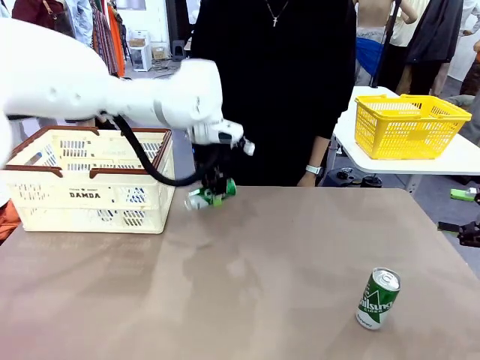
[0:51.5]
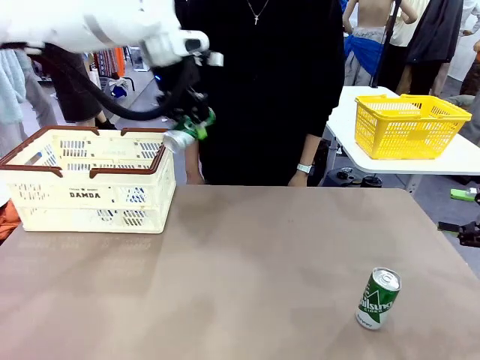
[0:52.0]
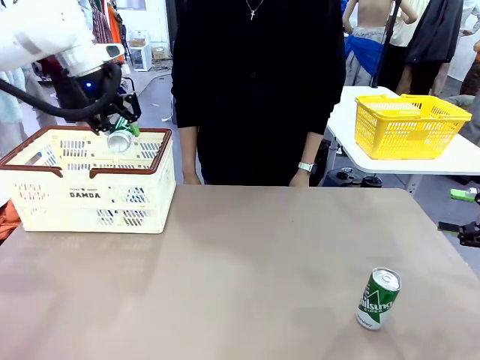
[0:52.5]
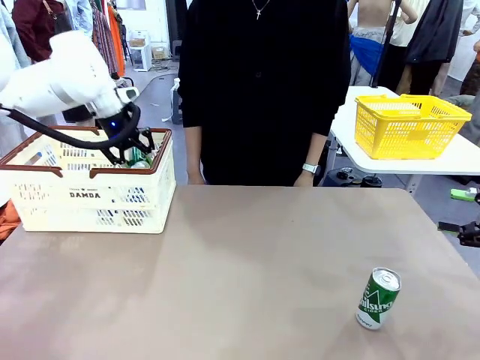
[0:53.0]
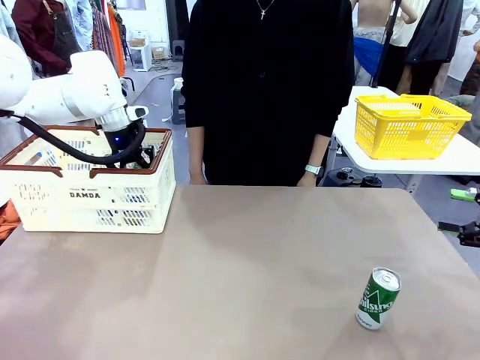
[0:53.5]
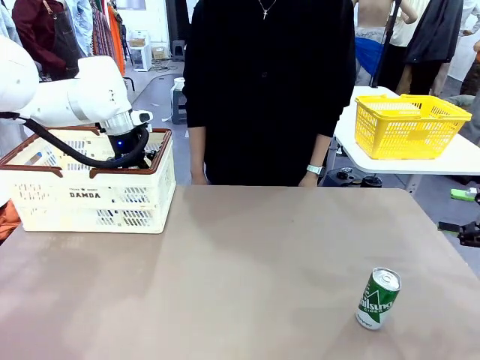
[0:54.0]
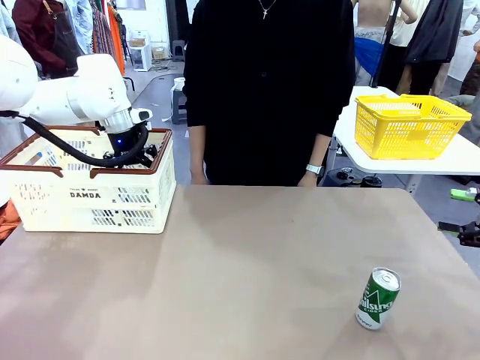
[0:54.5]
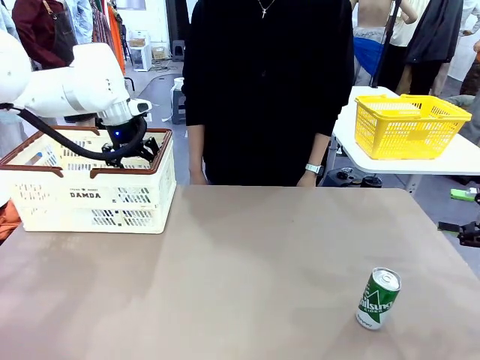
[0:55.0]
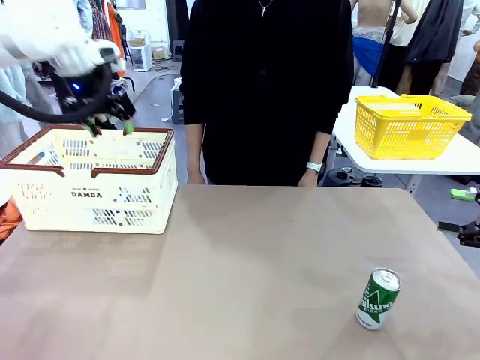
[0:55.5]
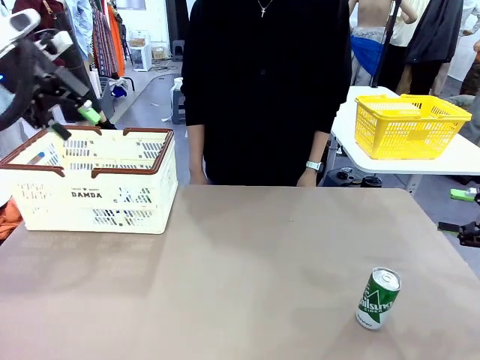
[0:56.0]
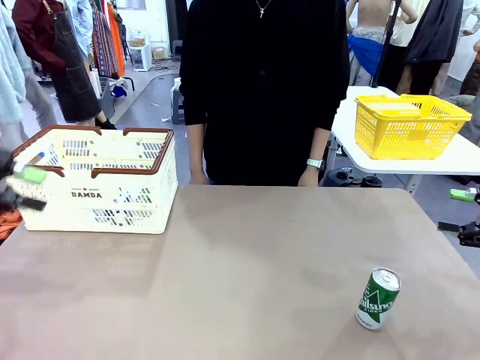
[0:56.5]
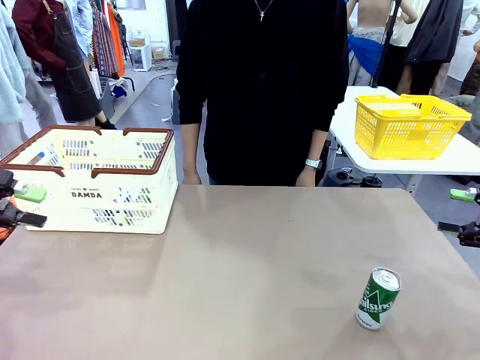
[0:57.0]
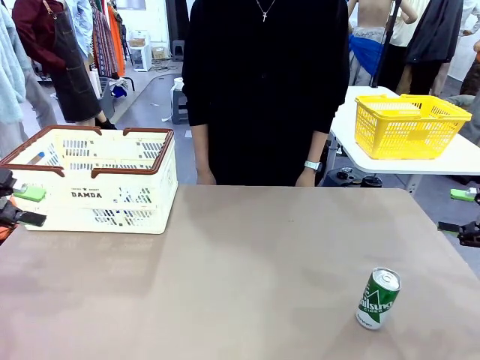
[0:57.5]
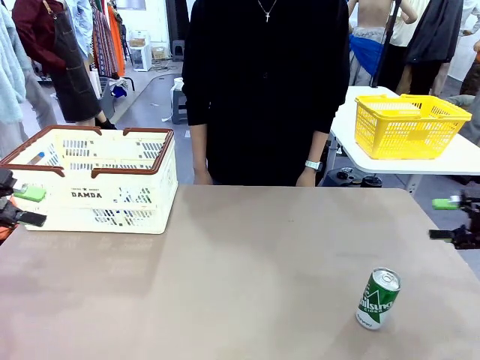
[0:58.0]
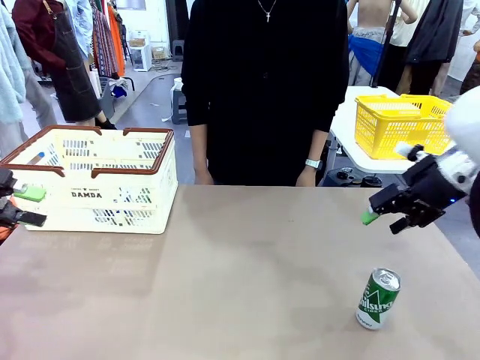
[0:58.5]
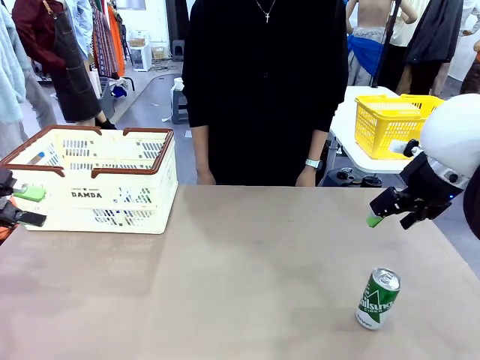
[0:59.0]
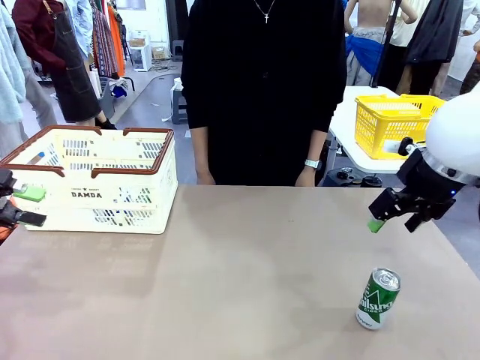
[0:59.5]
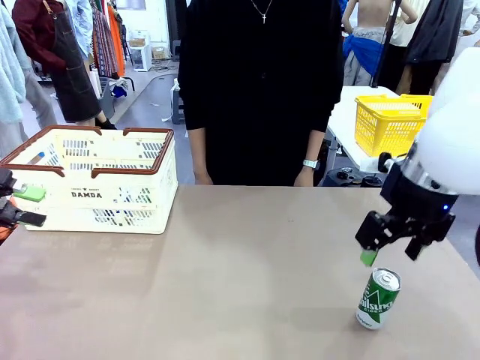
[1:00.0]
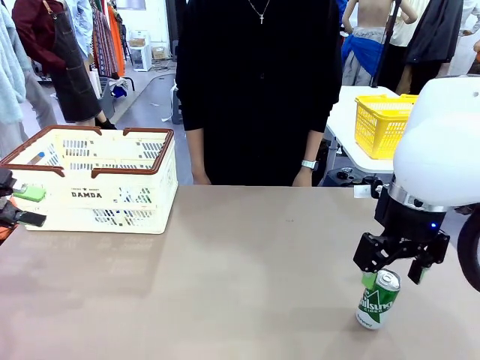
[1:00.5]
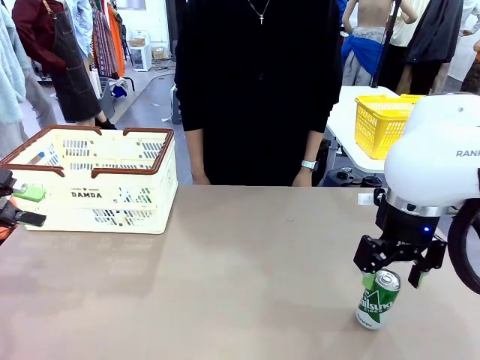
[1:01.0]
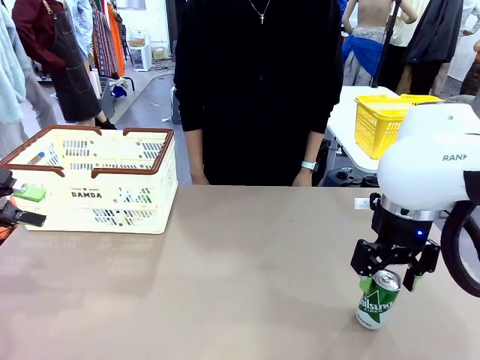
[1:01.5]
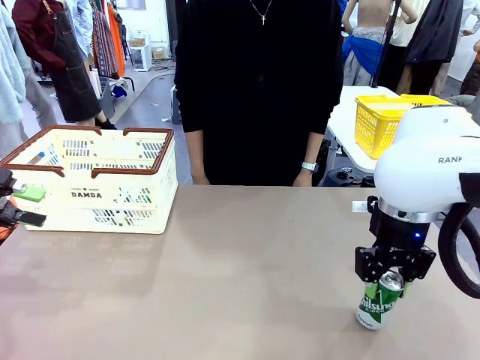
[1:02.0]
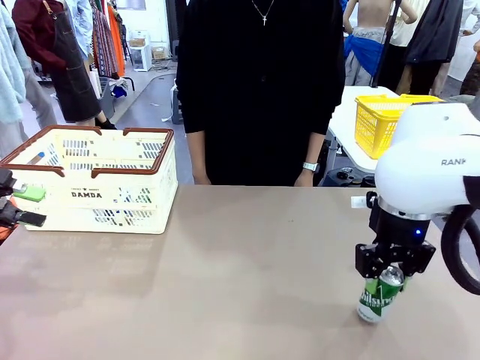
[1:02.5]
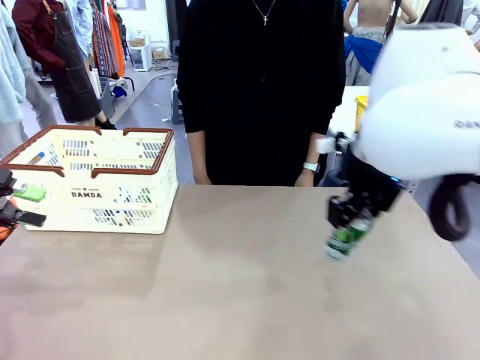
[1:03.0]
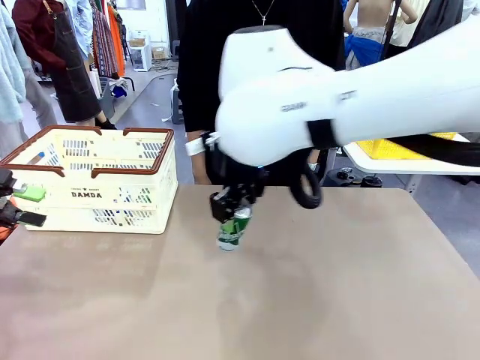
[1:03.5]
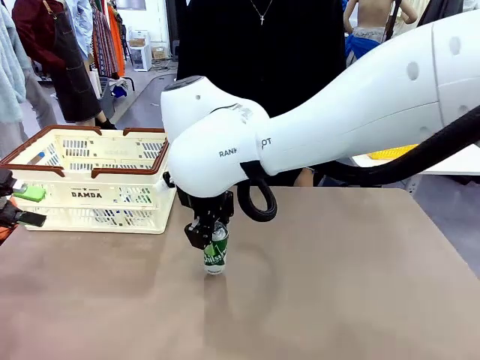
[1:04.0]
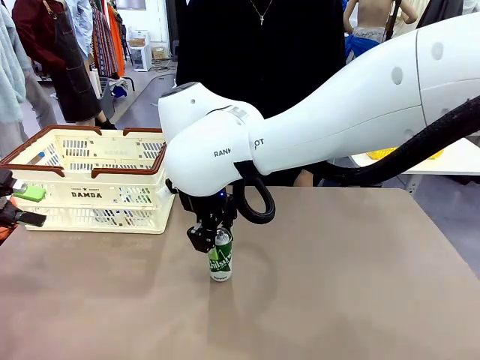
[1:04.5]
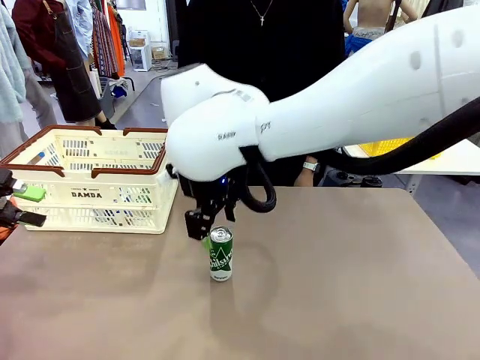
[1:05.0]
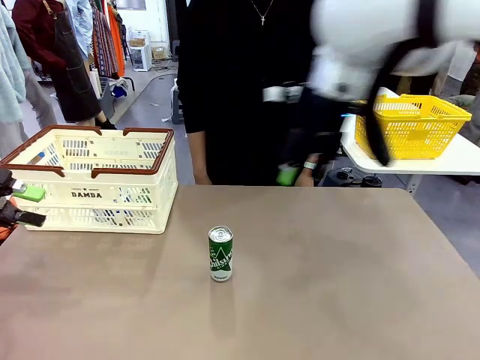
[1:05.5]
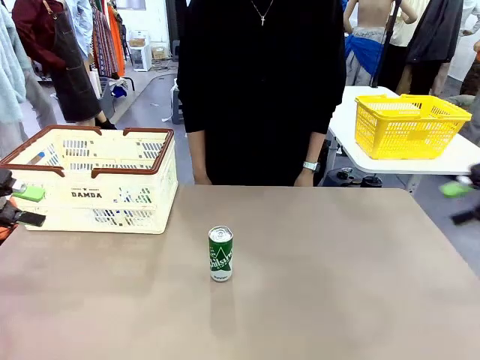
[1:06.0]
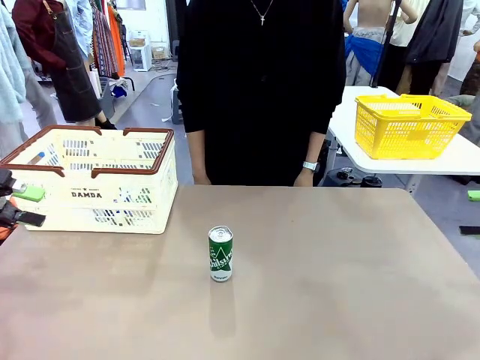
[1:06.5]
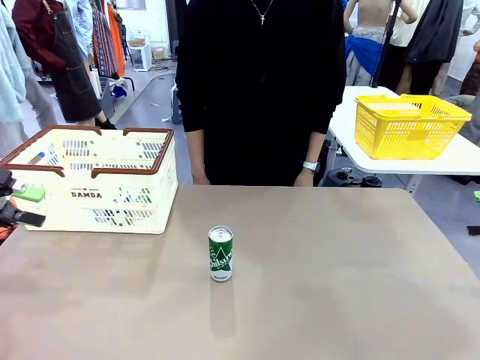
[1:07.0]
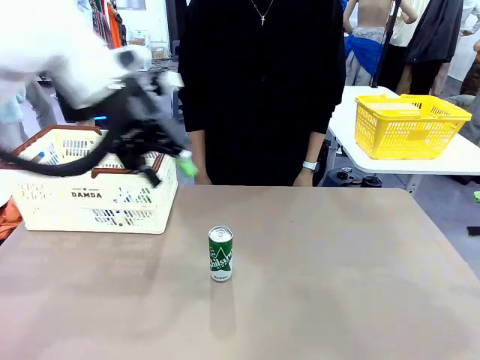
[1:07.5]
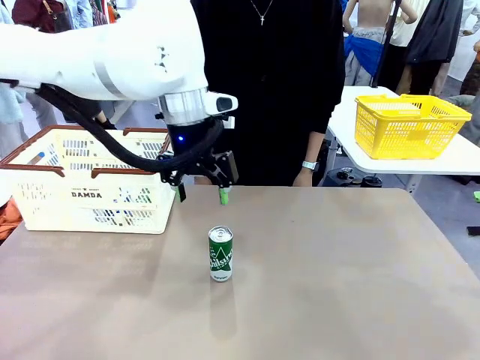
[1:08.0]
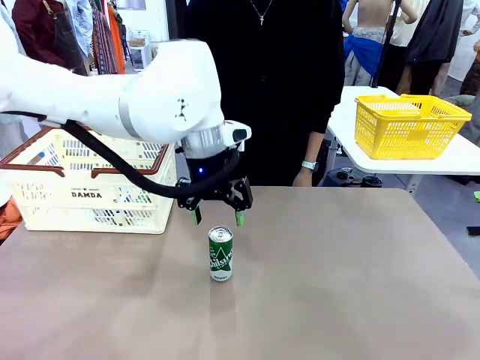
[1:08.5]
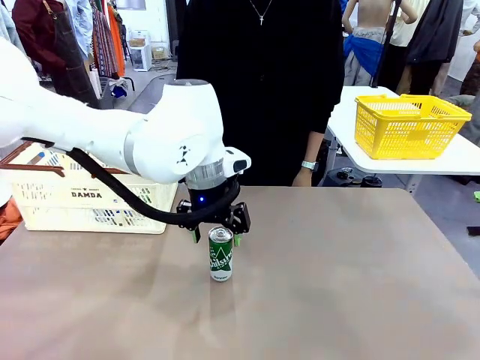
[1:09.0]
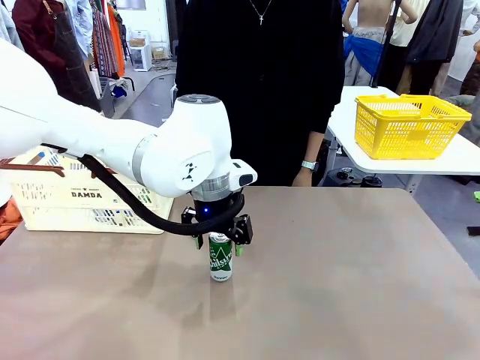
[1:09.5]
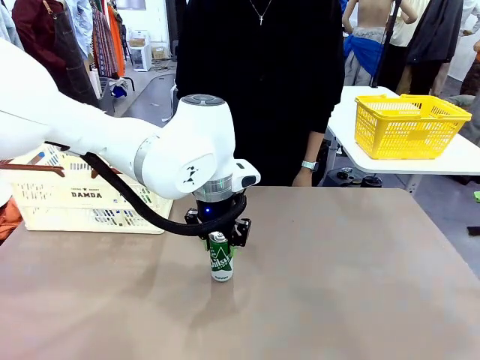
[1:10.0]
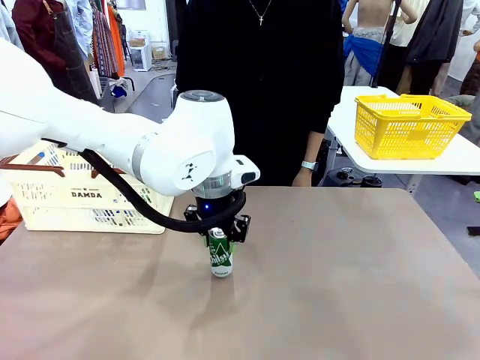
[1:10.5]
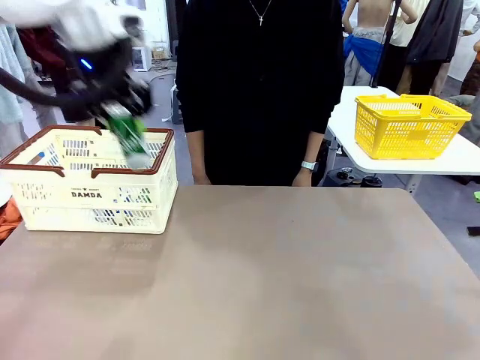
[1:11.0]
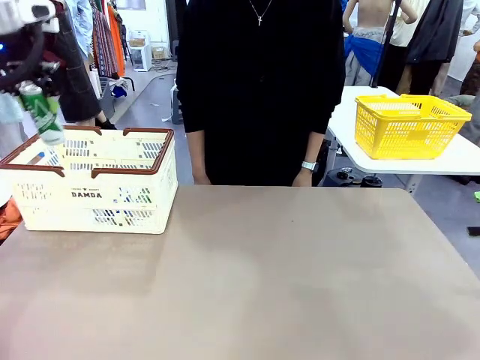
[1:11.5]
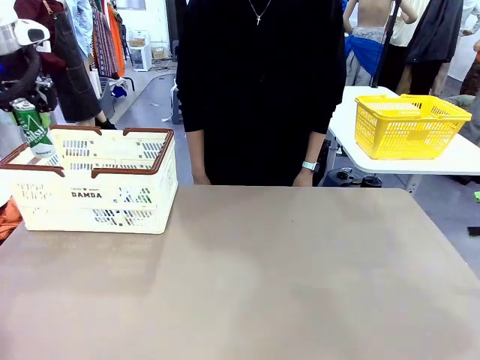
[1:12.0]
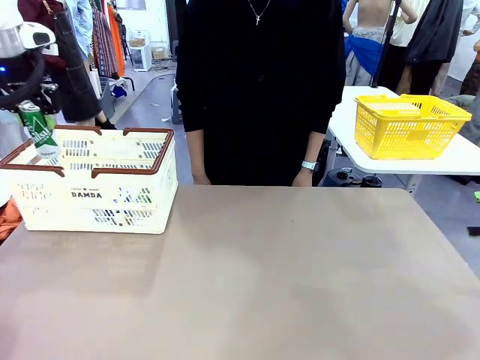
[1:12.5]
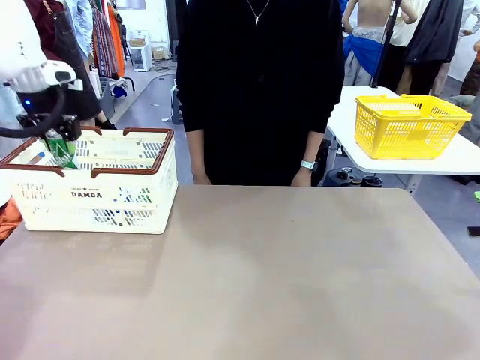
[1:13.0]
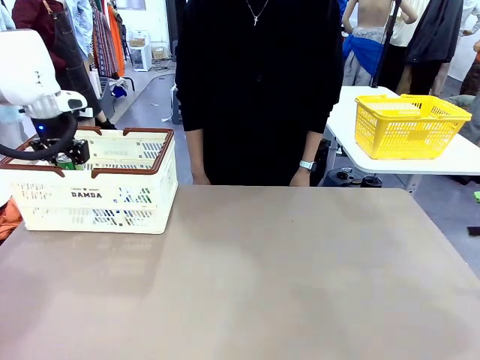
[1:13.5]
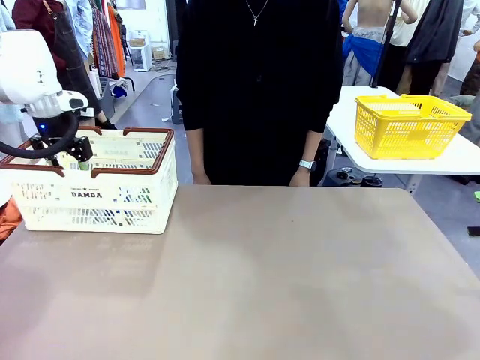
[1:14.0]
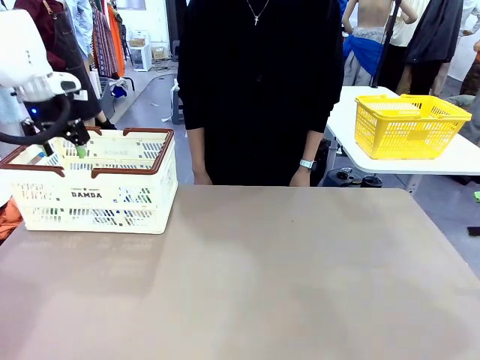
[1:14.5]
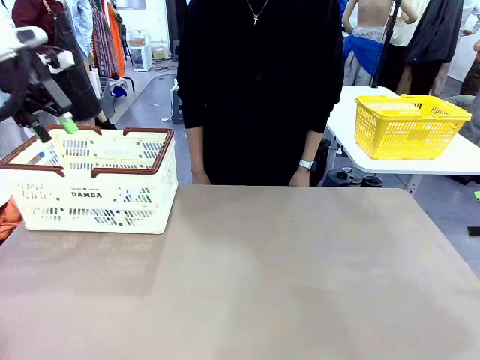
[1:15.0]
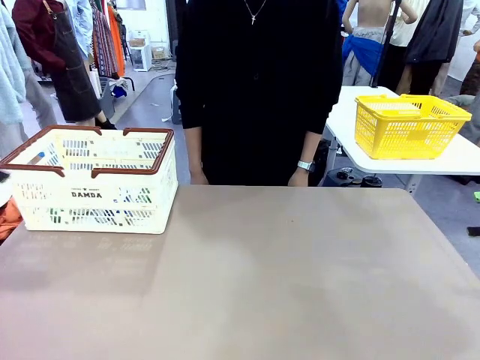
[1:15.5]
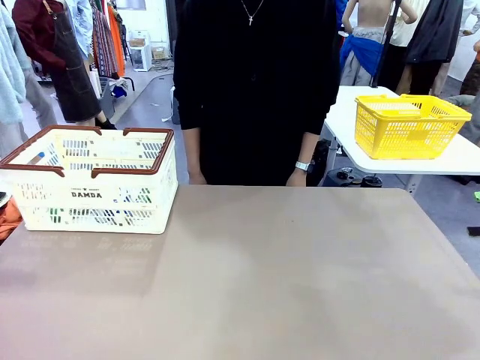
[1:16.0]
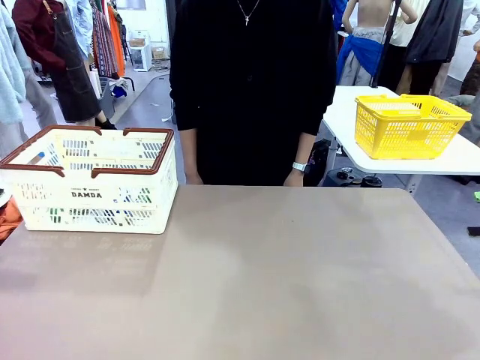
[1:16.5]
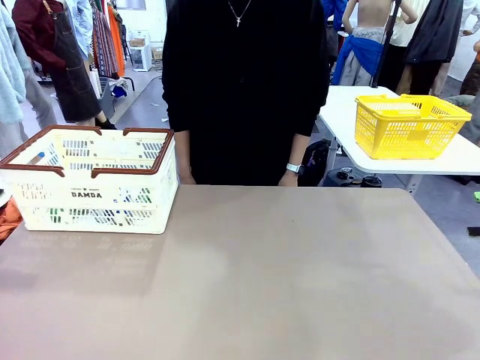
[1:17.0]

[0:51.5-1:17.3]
Task: Place the drinks into the Shopping basket.
Robot: Pick up one drink and place it into the Shopping basket.
